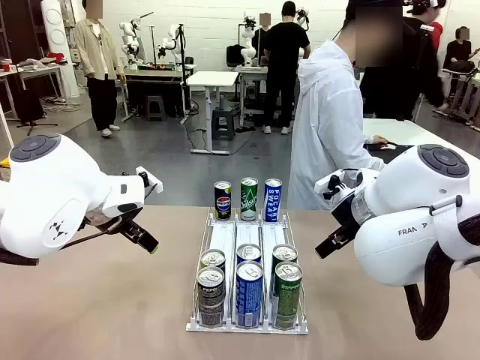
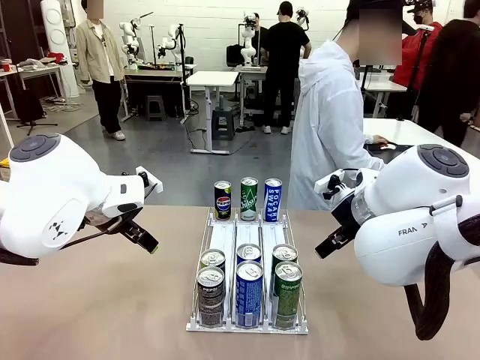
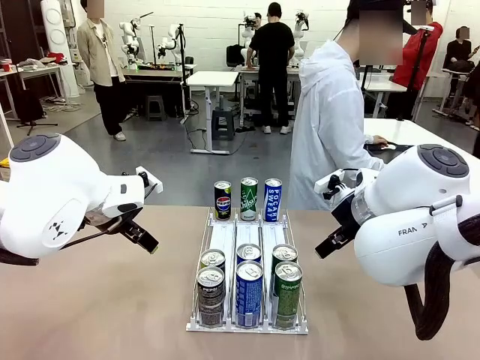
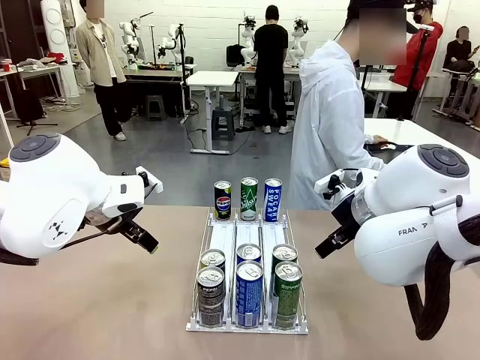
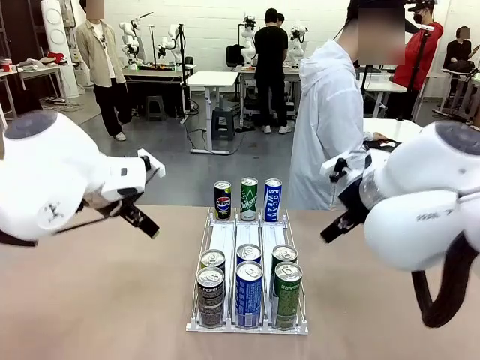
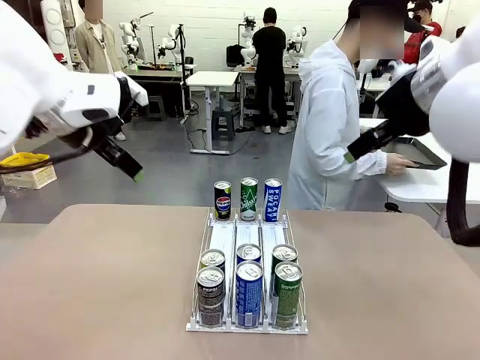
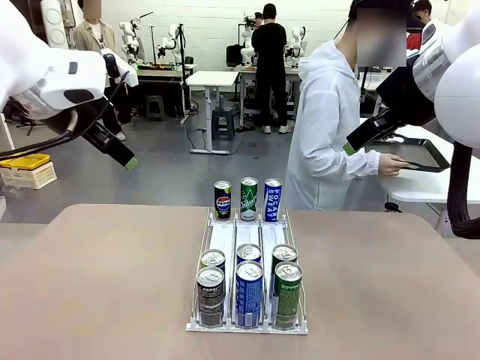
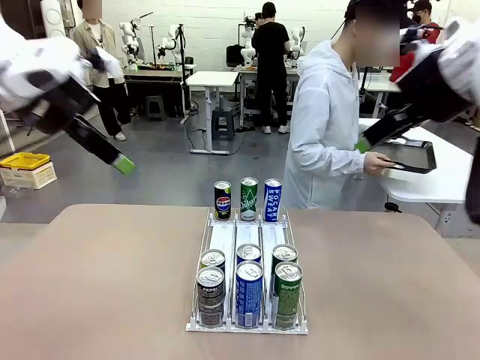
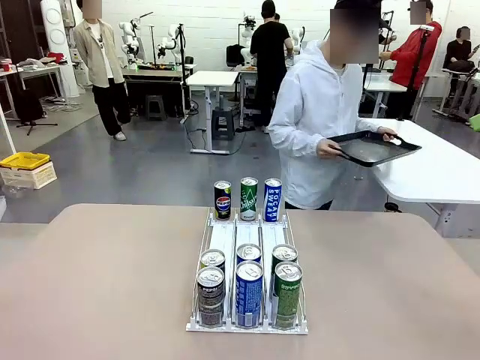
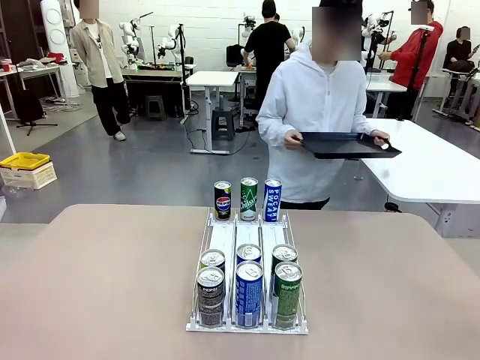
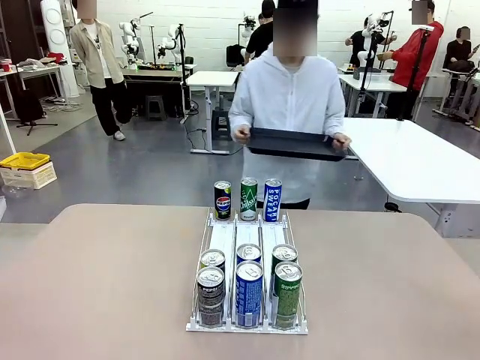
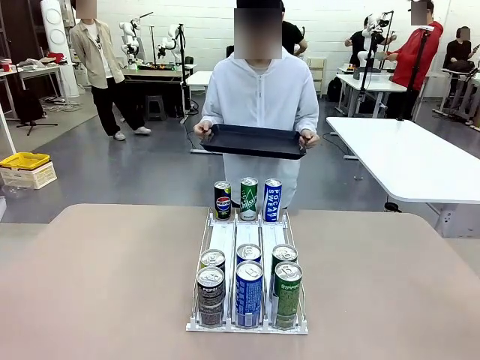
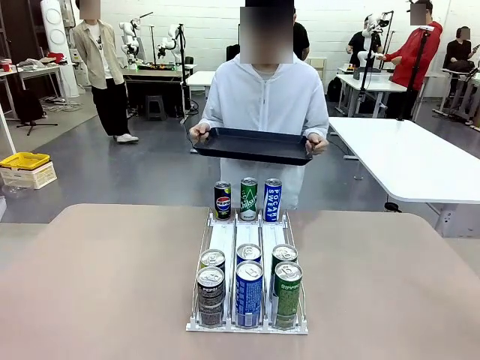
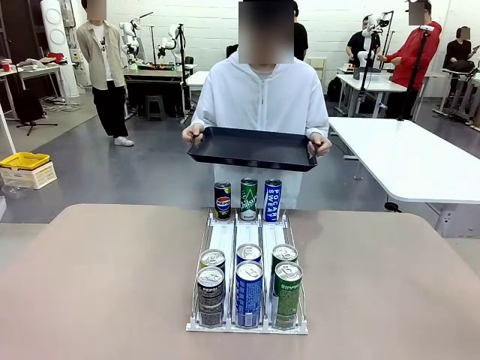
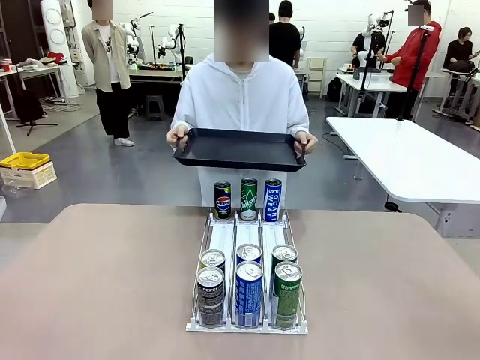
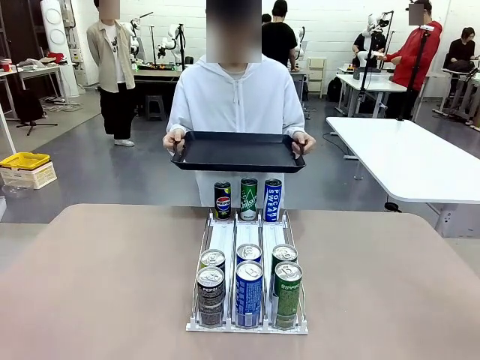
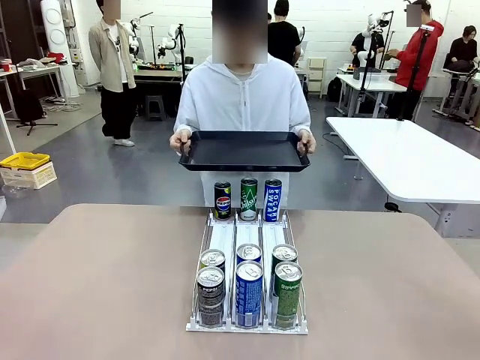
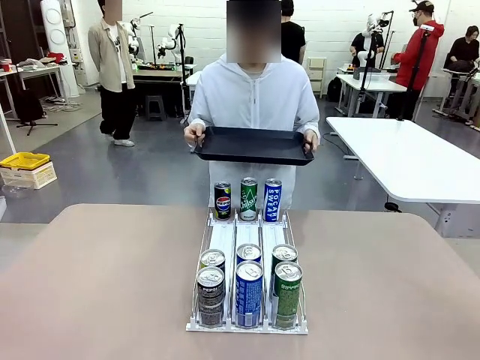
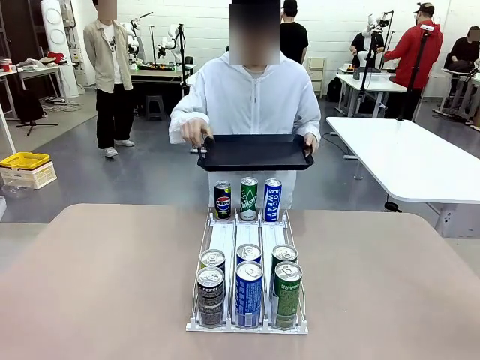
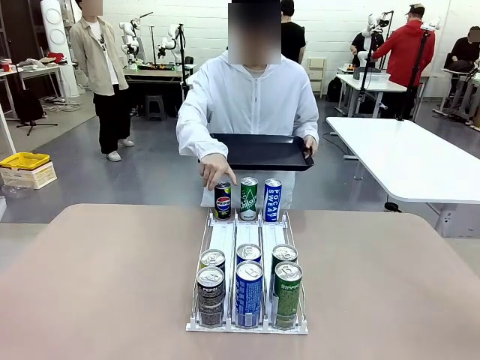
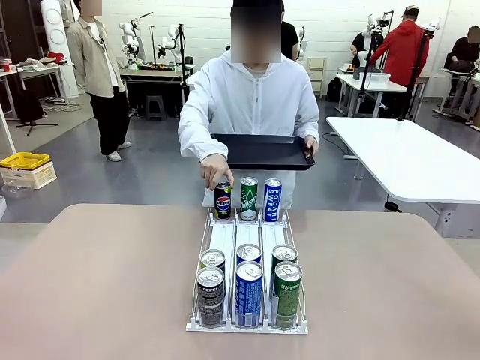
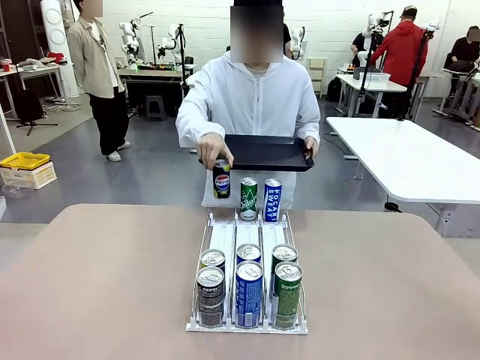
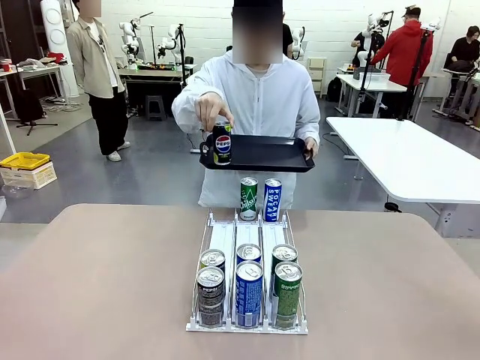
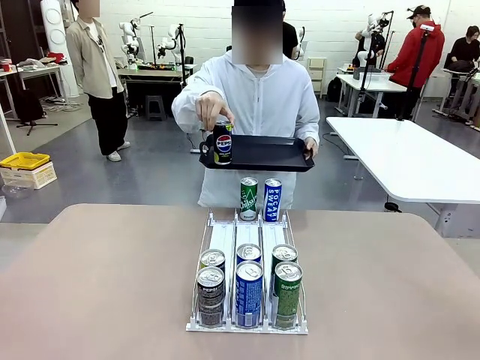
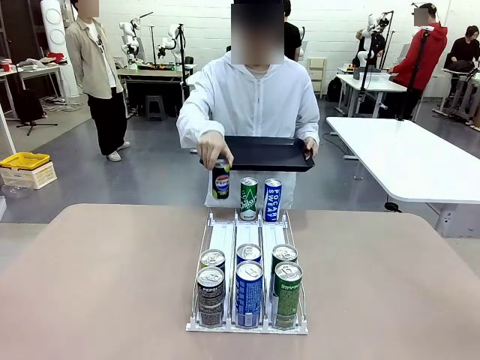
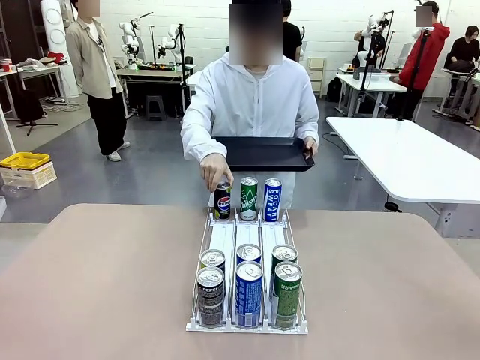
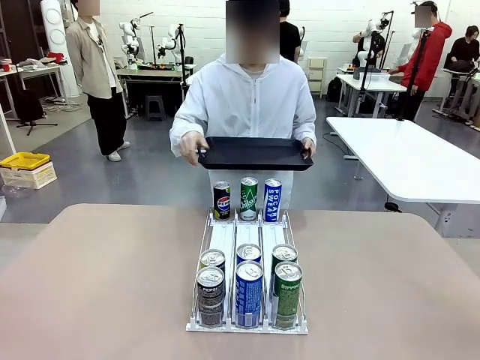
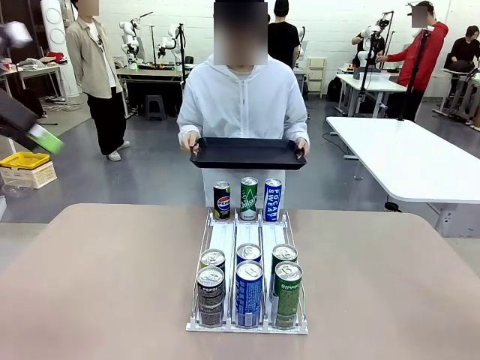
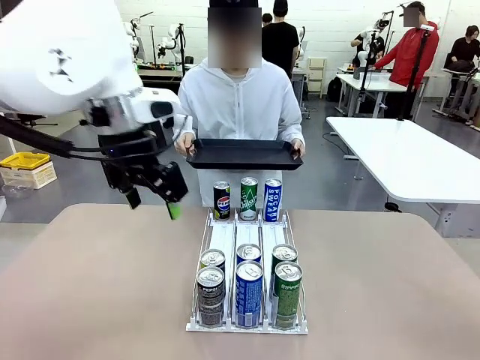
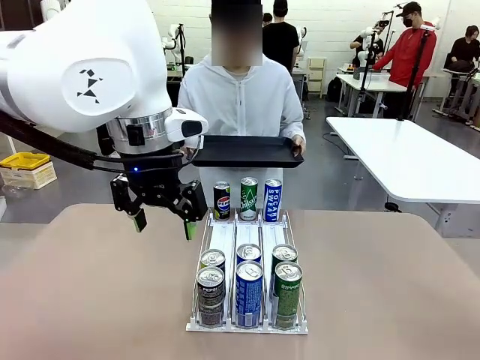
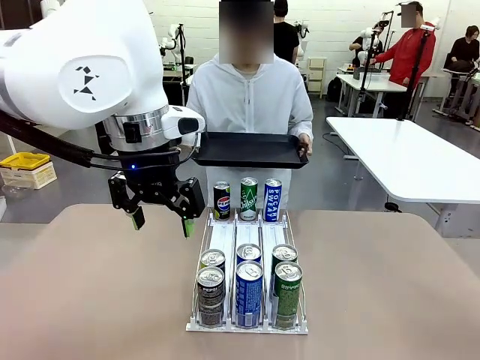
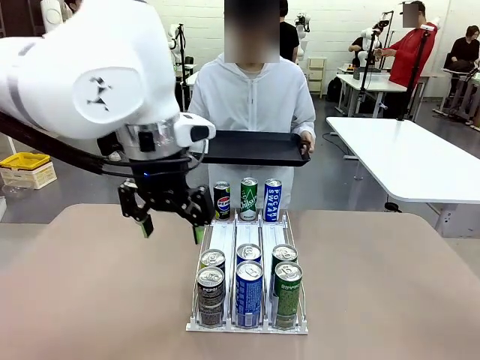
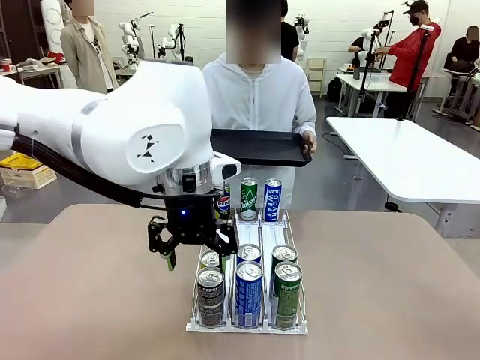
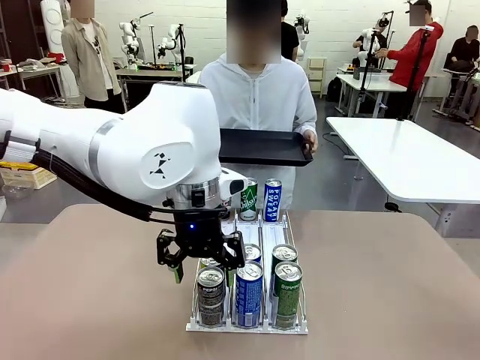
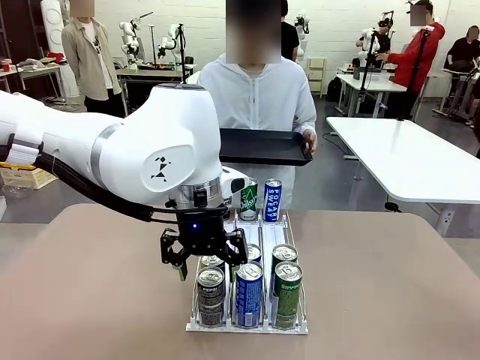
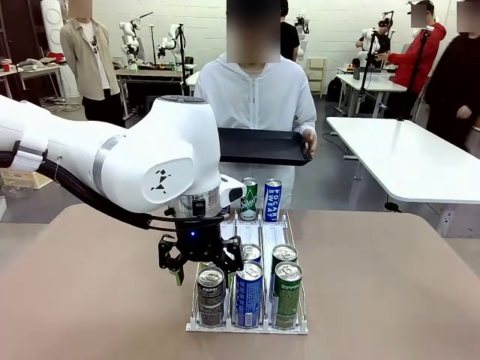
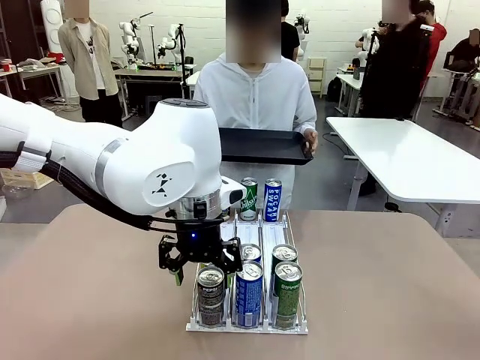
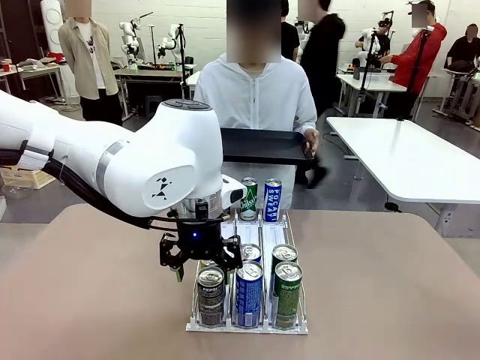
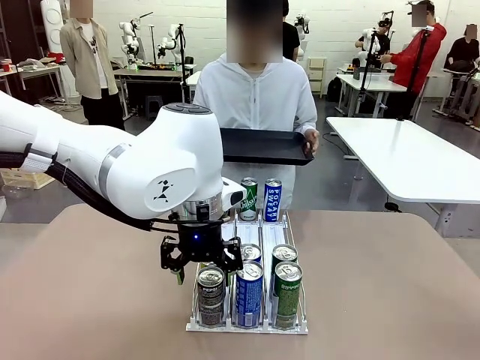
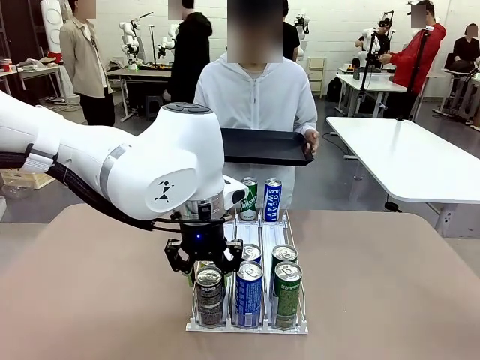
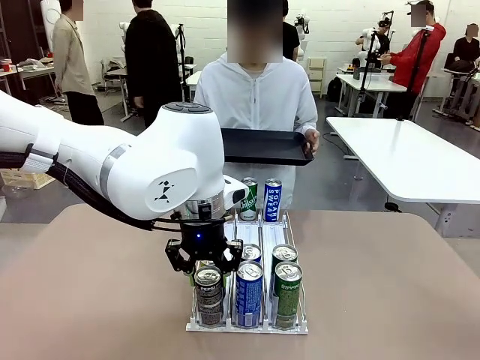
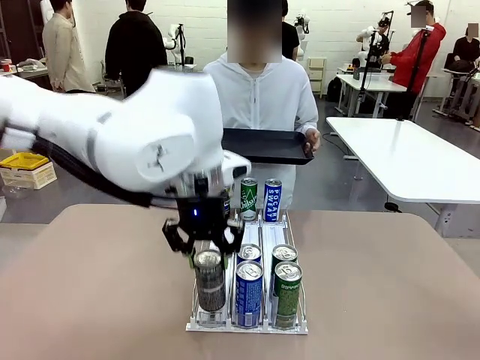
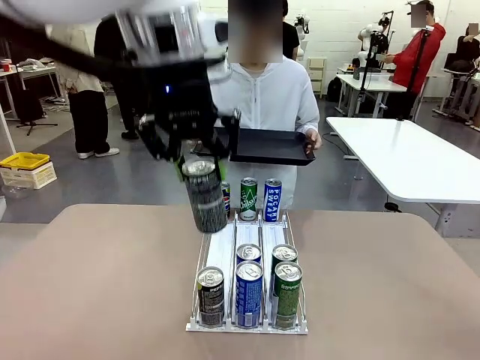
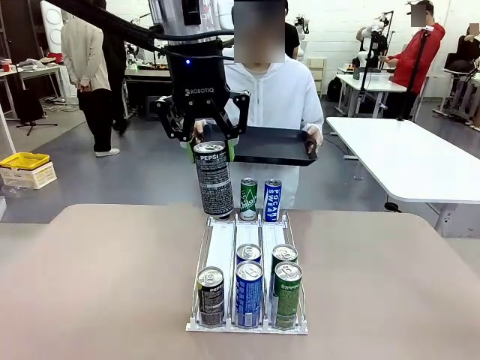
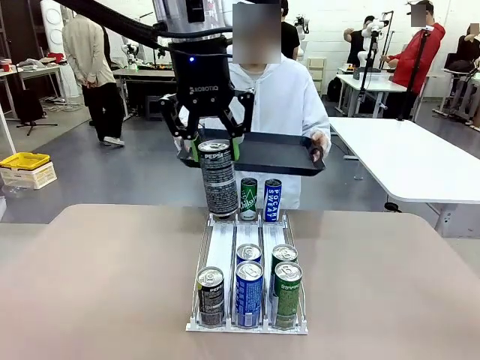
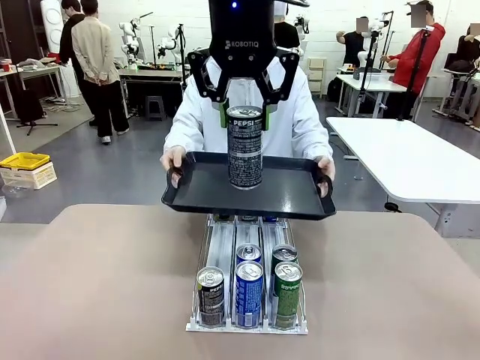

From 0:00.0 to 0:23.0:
Task: Retrieve and hand over the desired beverage to the person.
Robot: Pick up a can of the same type that the person held from the Automatic Can Dispenser.
Person: Hold the tray and position yourself in front of the robot table. Pick up one can from the bottom area of the table and puts it back in its original place. Push the tray toward the robot.

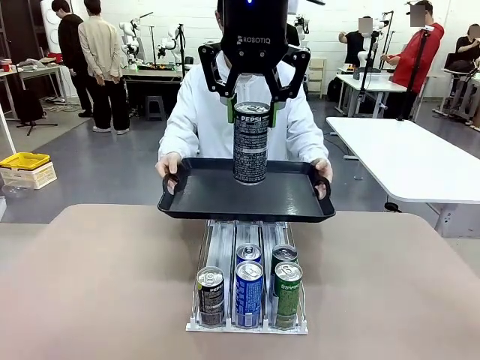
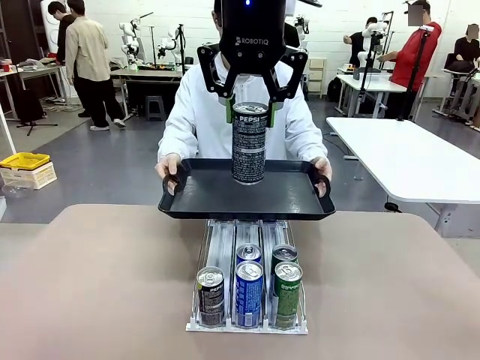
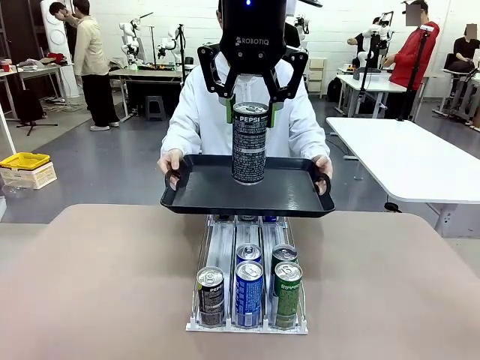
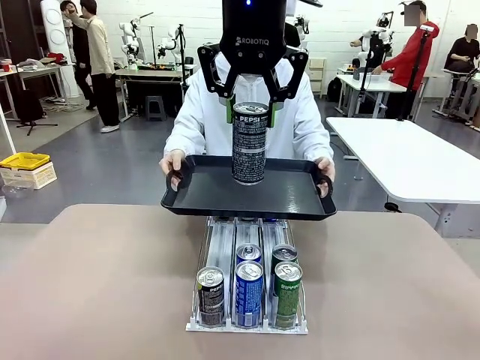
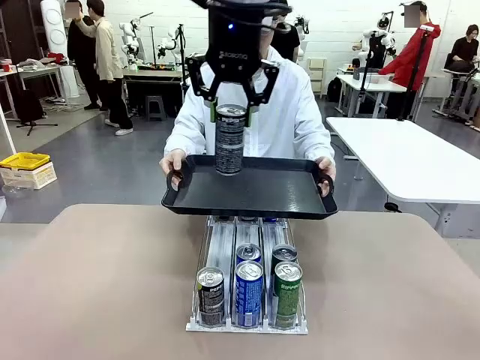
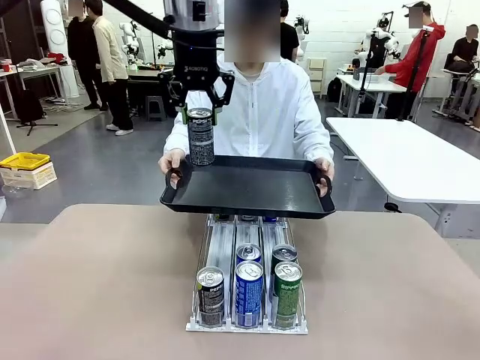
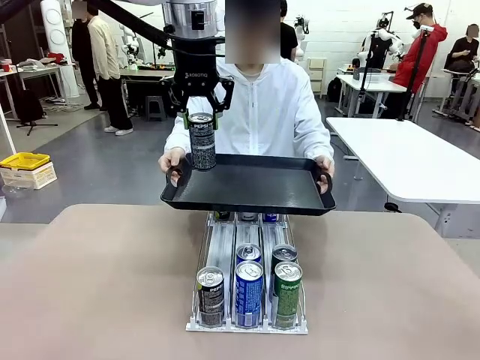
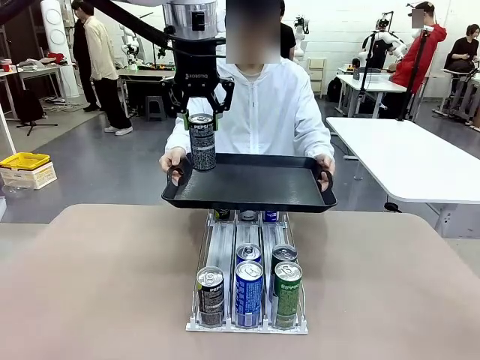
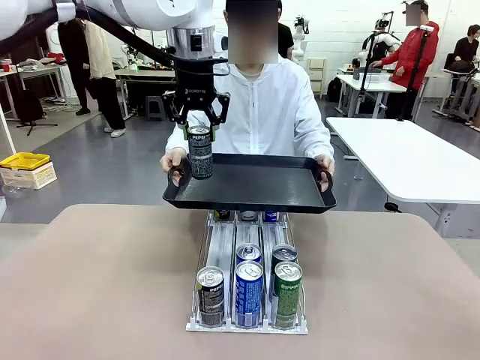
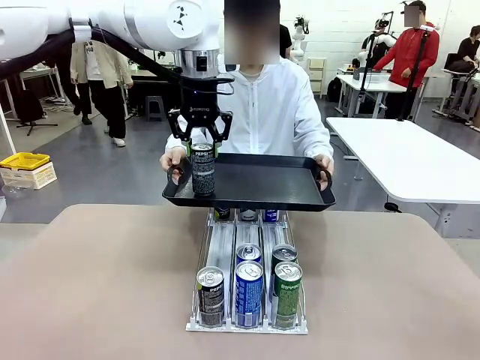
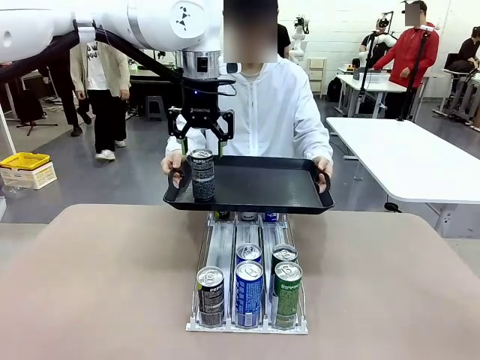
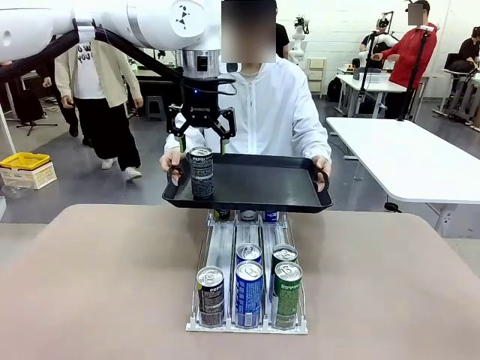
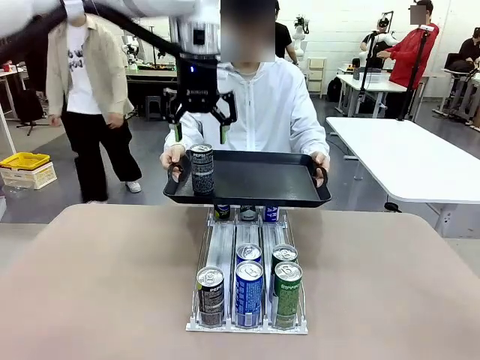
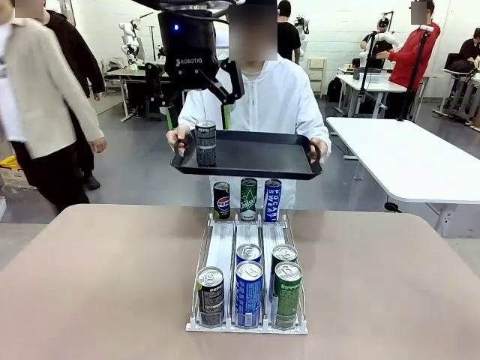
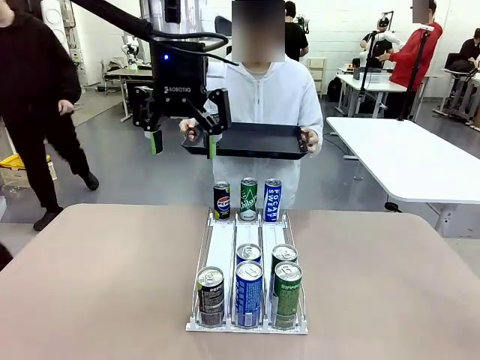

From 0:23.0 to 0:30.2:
Robot: Place the picked can on the Handle tray extended by the person.
